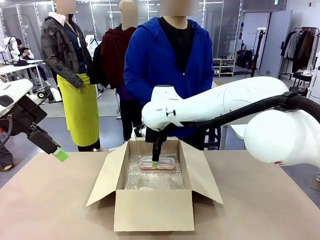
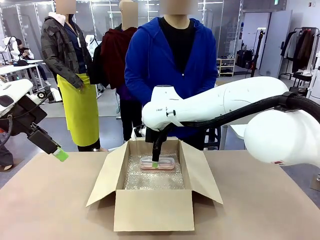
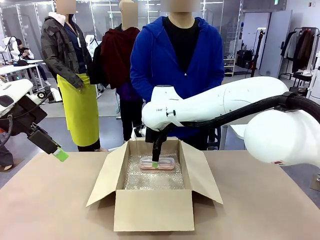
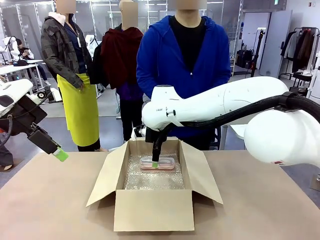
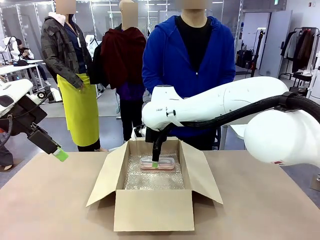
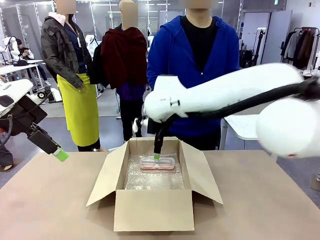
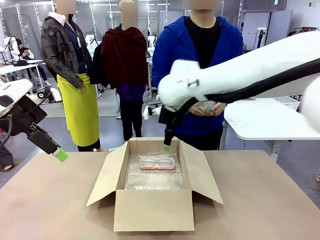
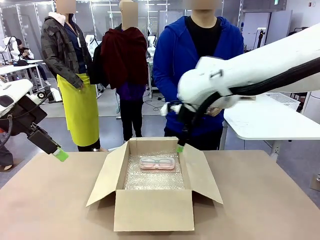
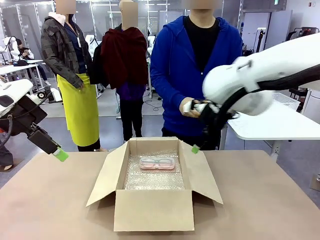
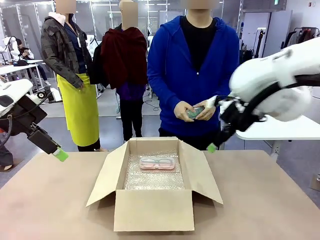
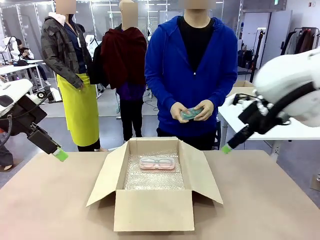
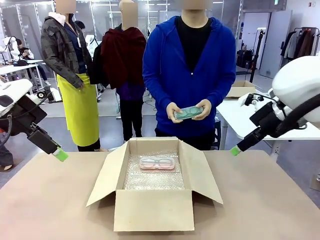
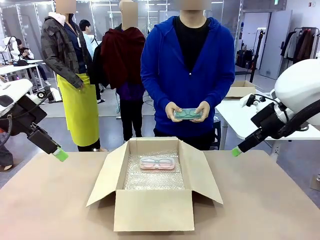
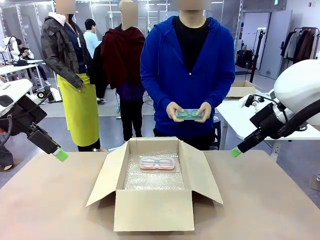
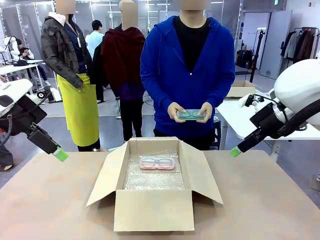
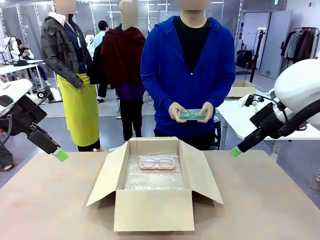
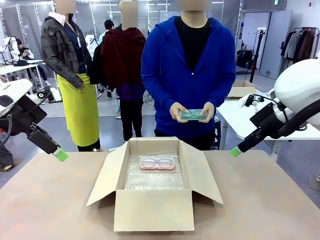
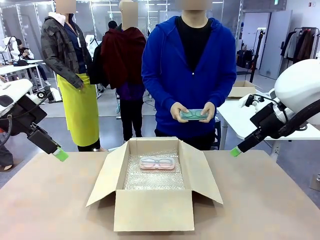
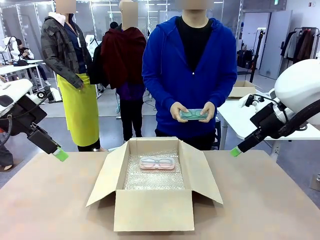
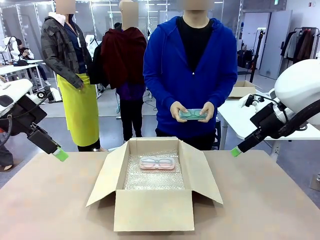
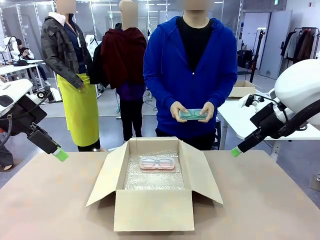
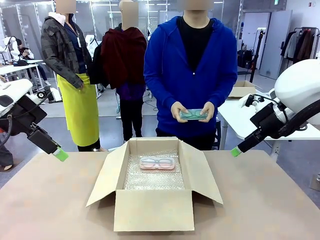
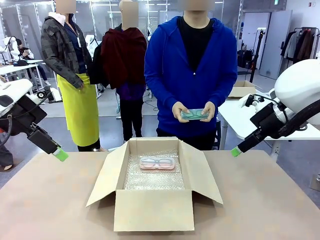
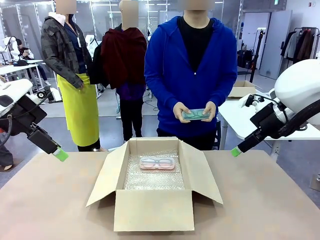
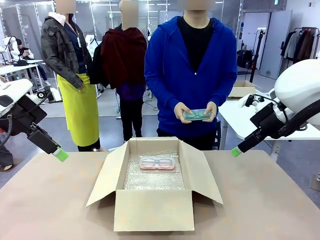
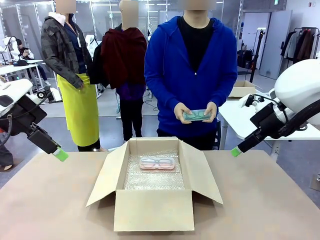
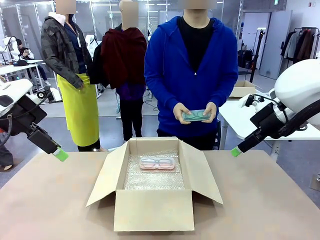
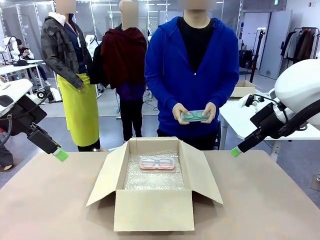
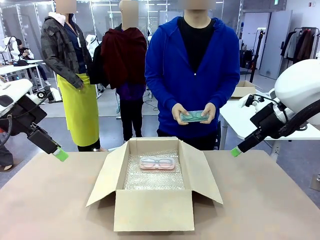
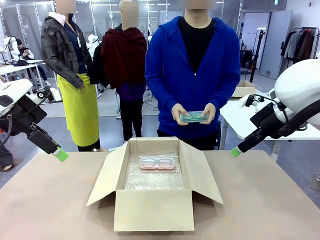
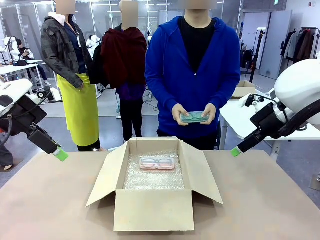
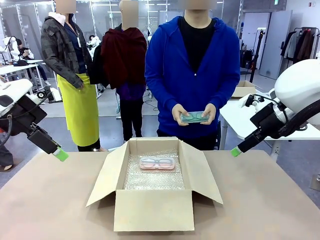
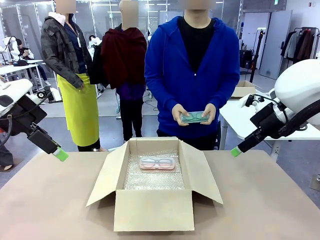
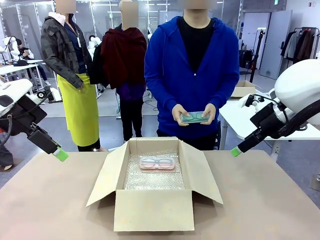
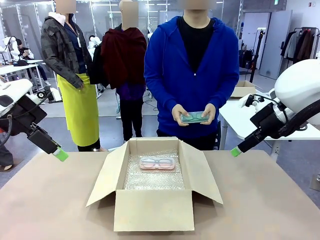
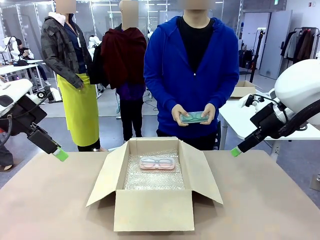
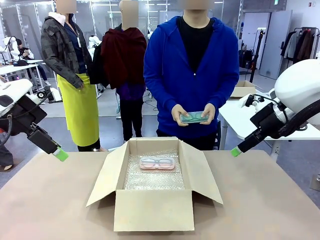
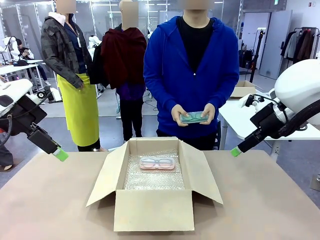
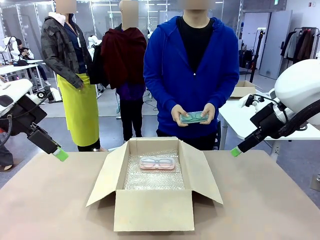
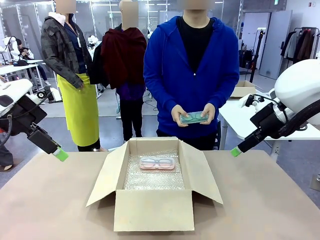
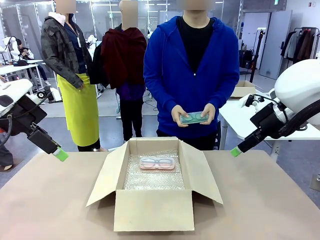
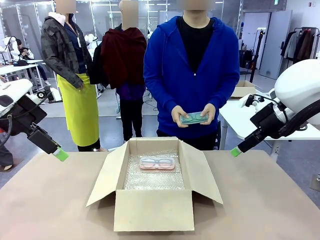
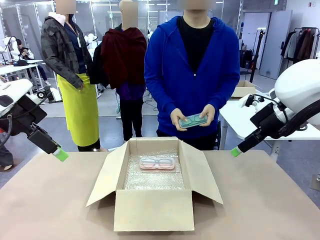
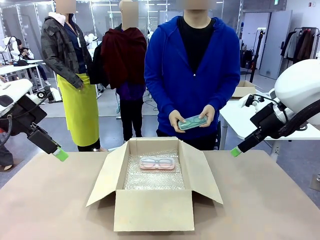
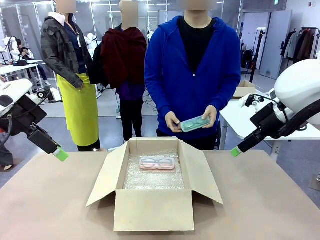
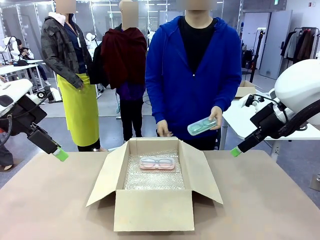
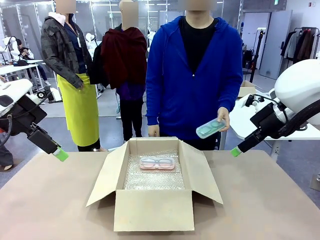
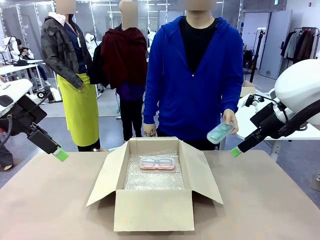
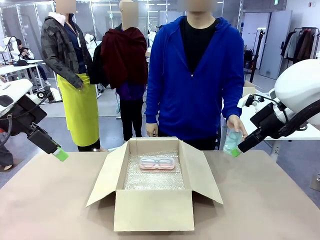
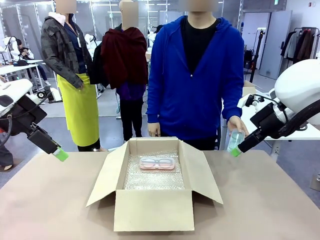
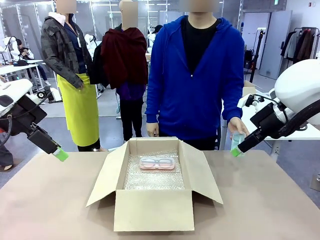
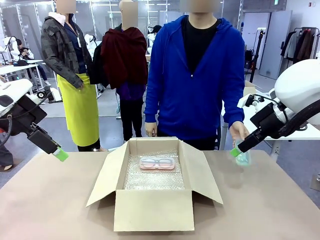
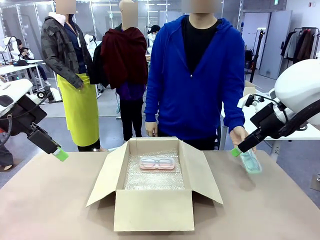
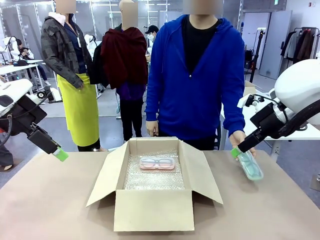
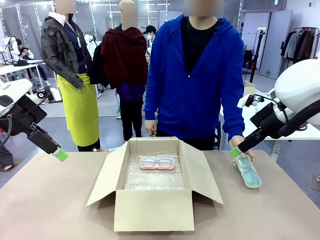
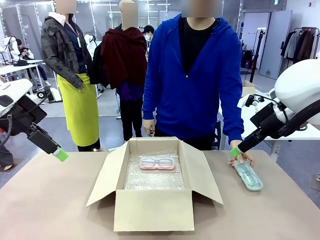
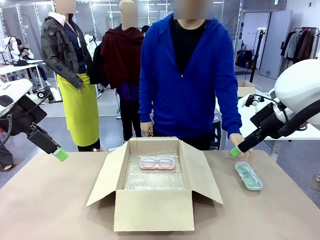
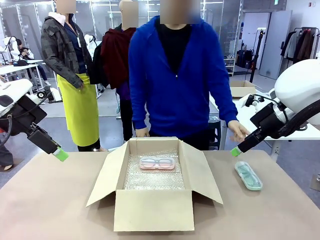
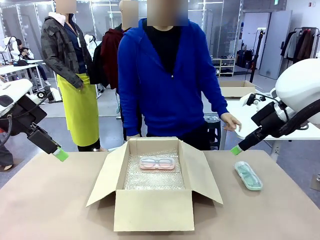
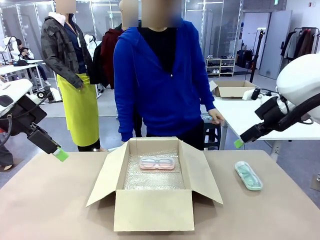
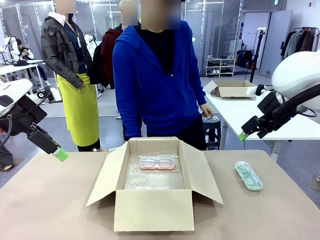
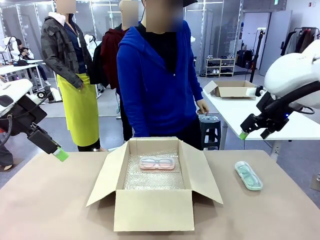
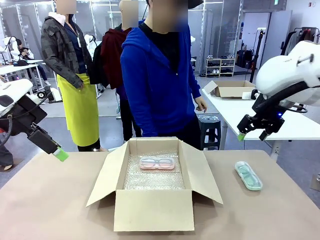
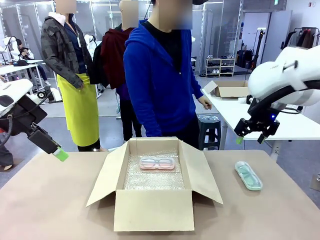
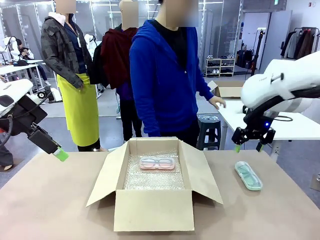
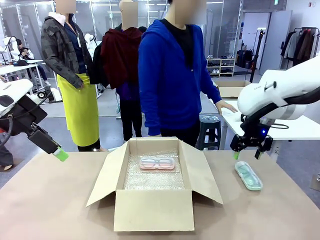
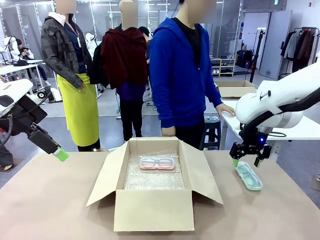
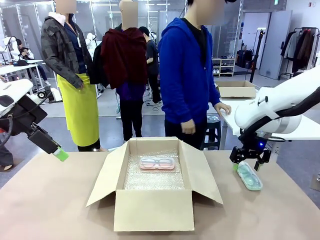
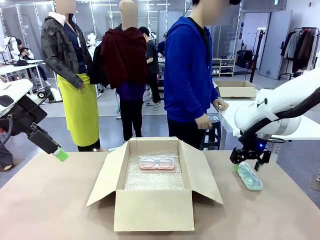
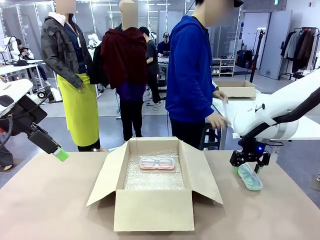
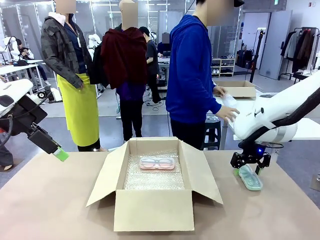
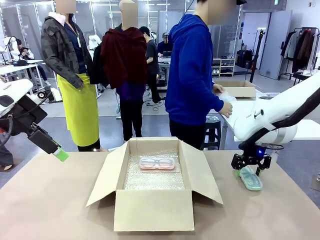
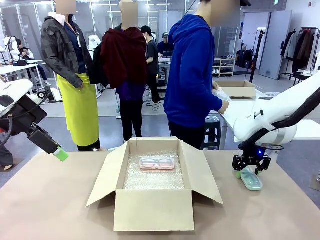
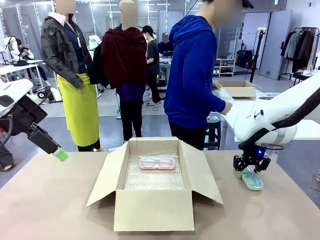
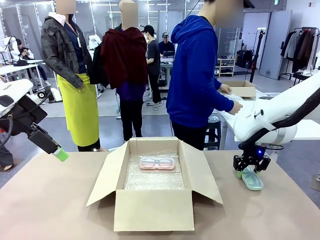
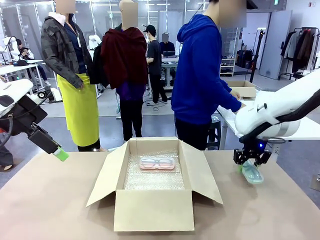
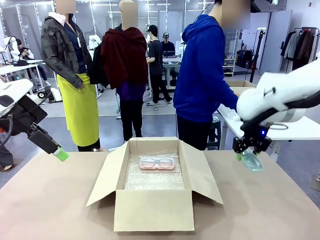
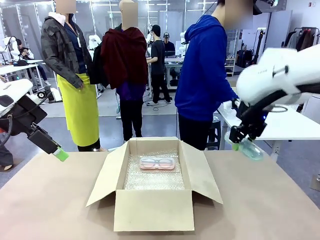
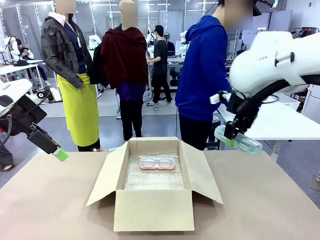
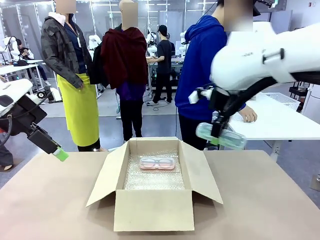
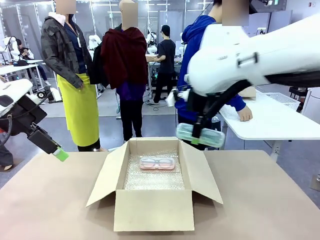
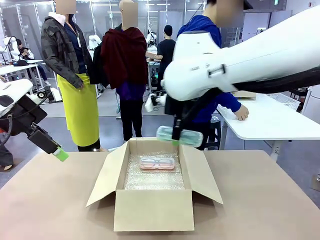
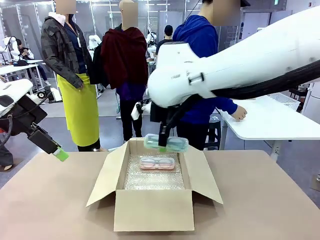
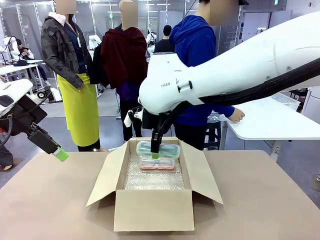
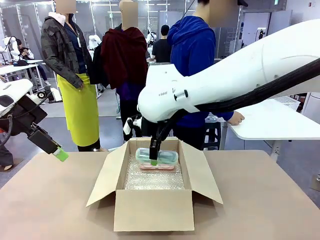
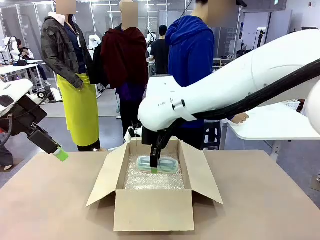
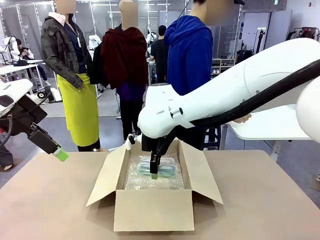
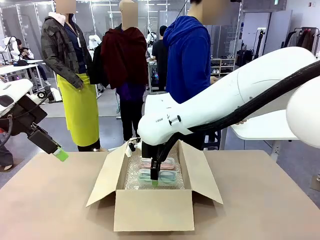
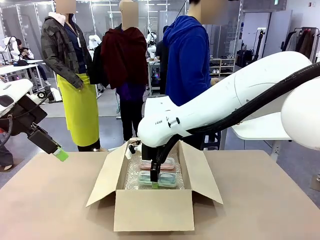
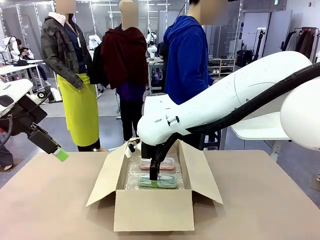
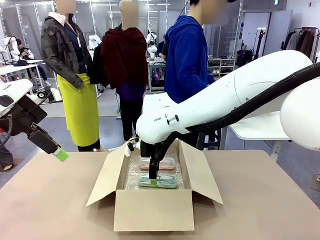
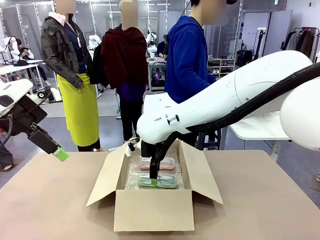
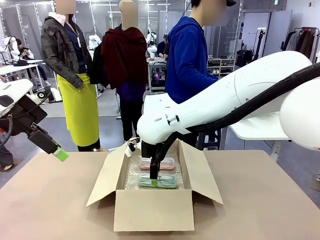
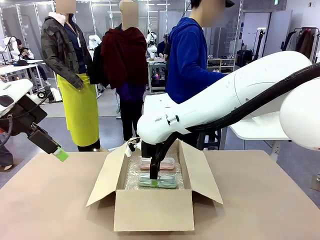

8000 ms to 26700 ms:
Task: Pack the glasses set securely to prepare it for shipping.
Robot: Put the Glasses case from the right side of the table into the Package Box.
Person: Position the Glasses case on the left side of the robot's table.
